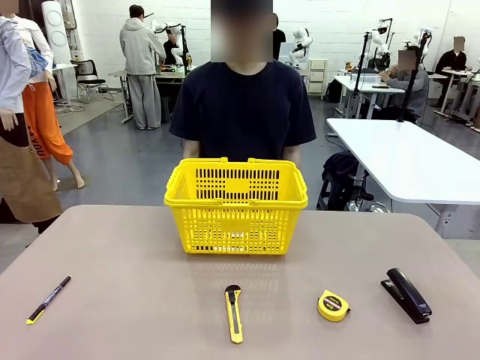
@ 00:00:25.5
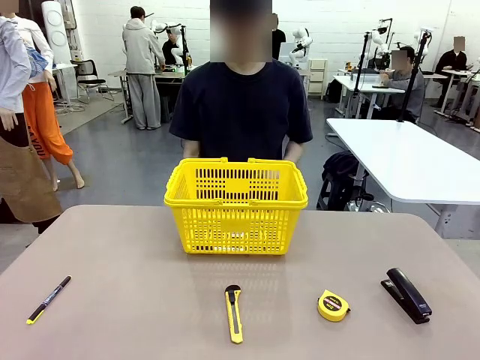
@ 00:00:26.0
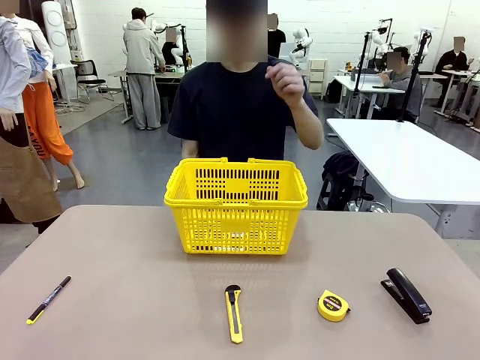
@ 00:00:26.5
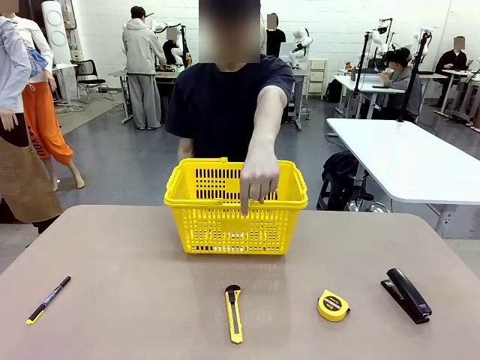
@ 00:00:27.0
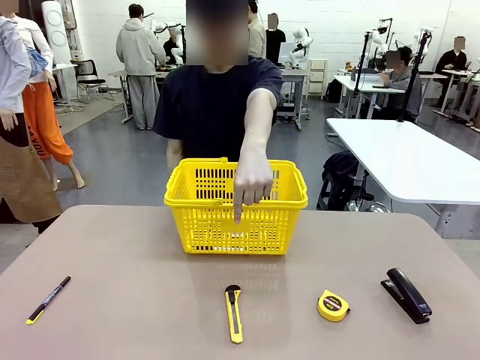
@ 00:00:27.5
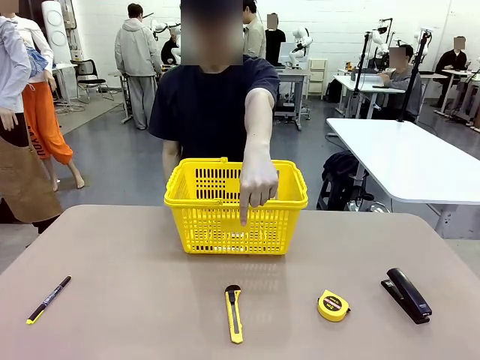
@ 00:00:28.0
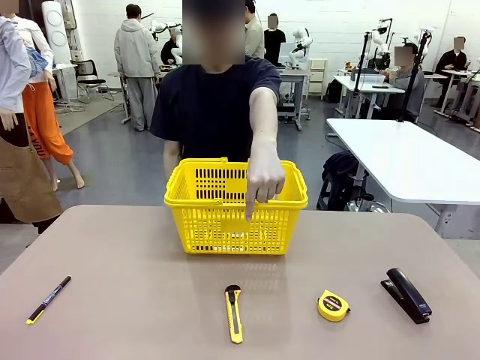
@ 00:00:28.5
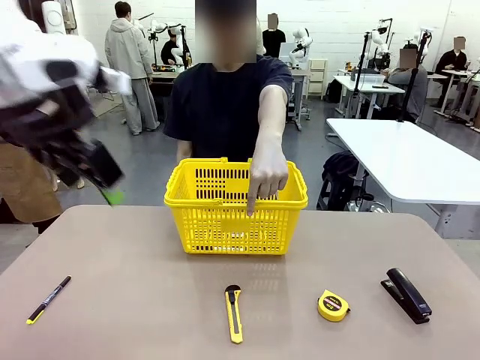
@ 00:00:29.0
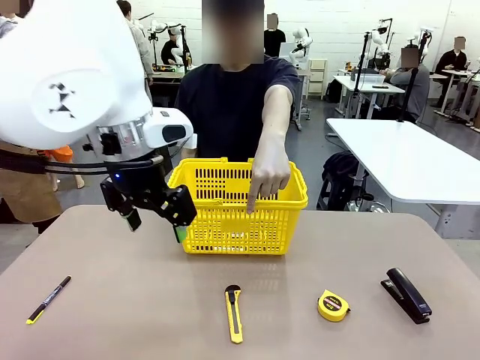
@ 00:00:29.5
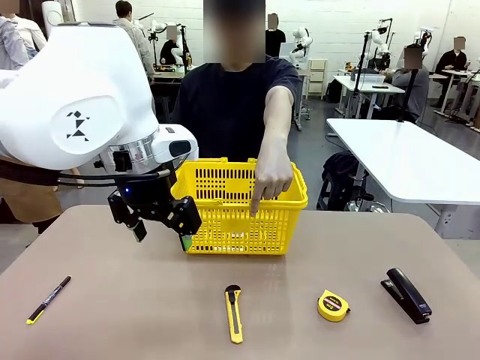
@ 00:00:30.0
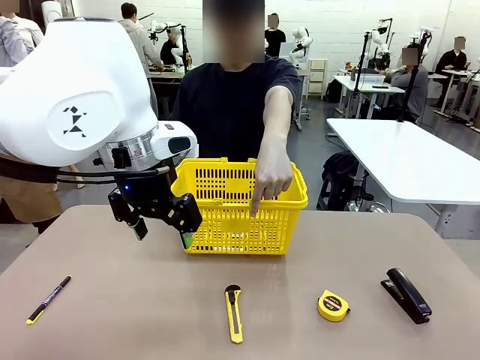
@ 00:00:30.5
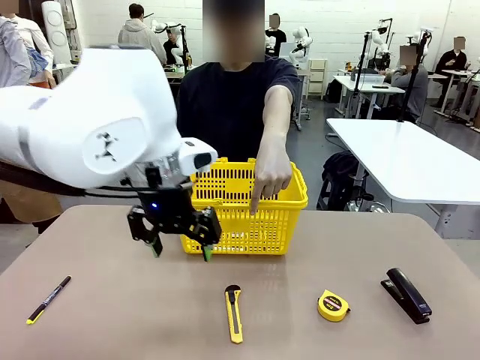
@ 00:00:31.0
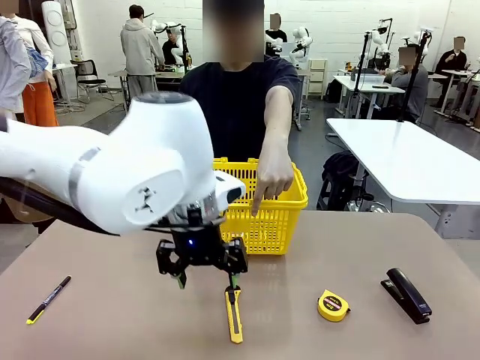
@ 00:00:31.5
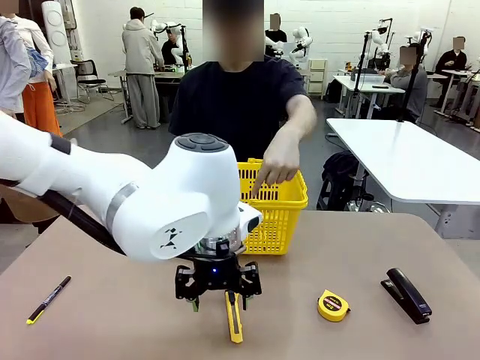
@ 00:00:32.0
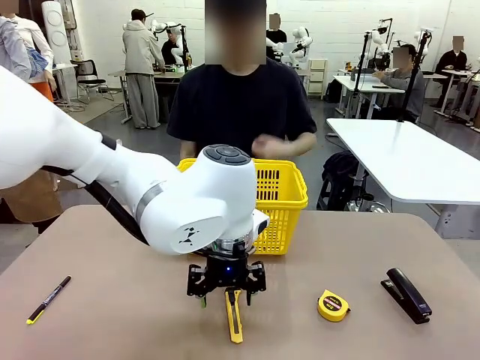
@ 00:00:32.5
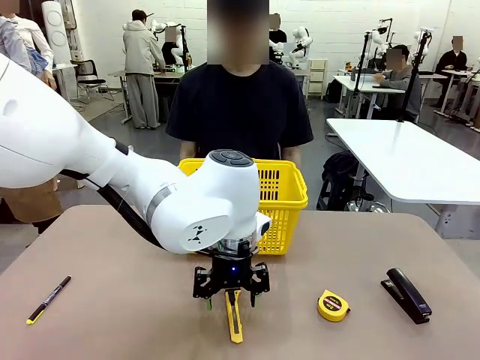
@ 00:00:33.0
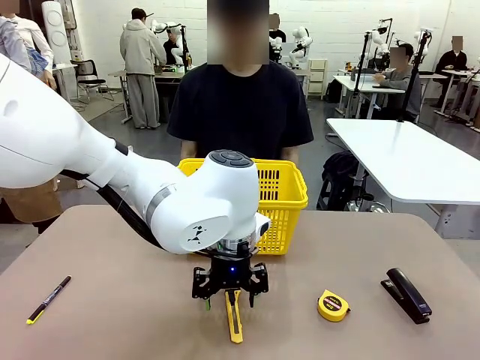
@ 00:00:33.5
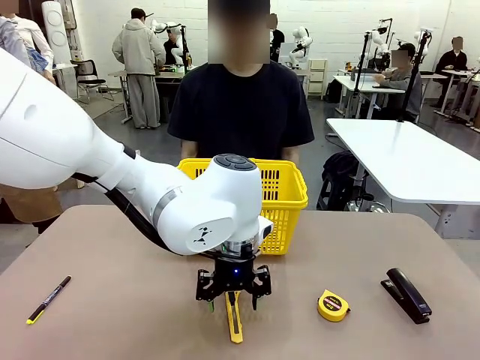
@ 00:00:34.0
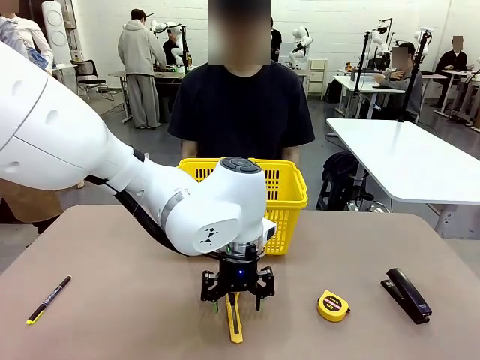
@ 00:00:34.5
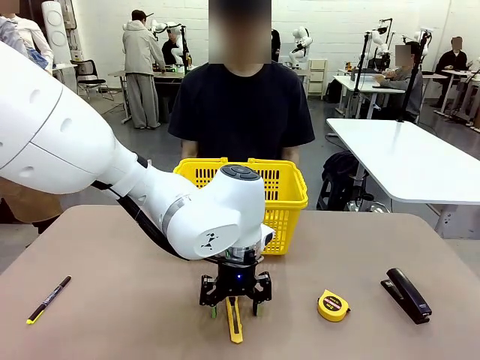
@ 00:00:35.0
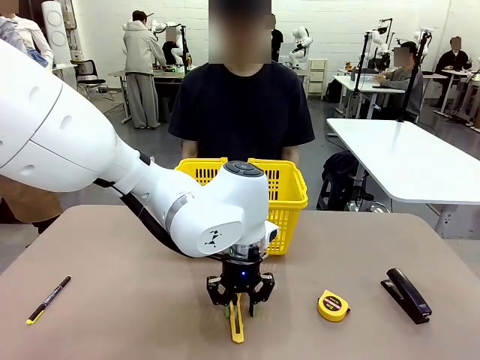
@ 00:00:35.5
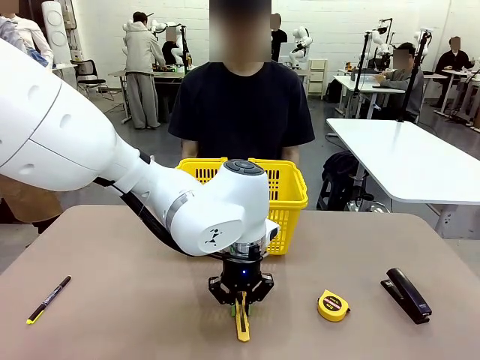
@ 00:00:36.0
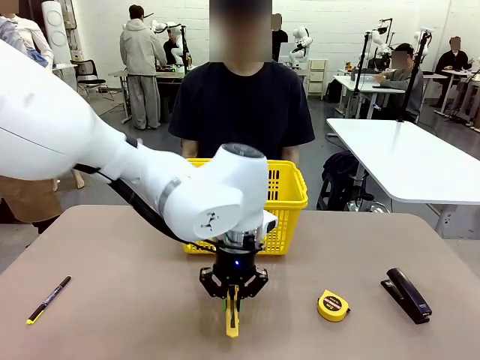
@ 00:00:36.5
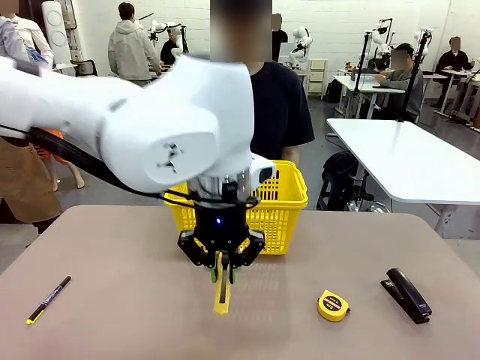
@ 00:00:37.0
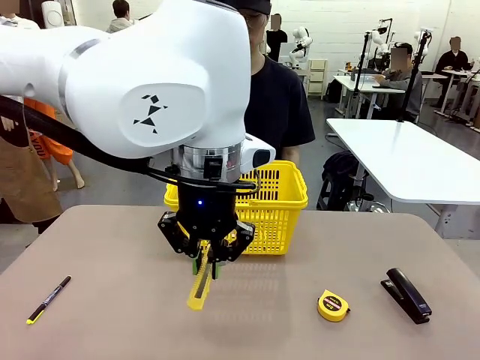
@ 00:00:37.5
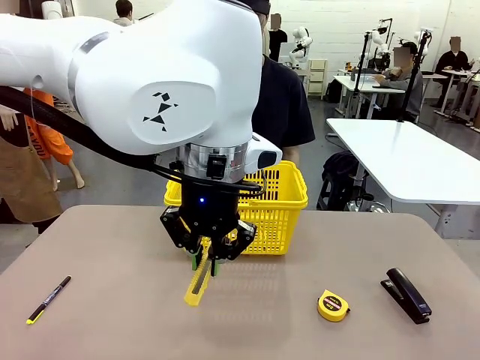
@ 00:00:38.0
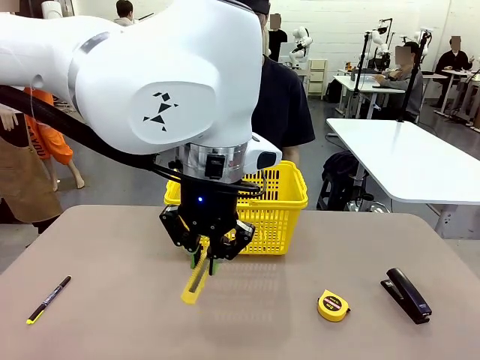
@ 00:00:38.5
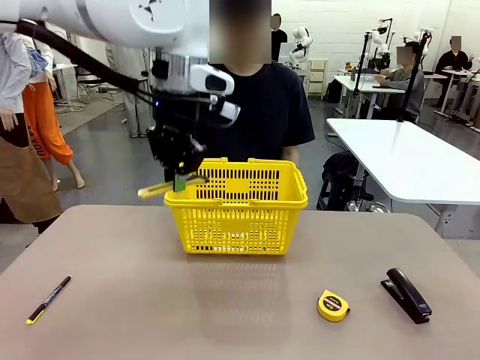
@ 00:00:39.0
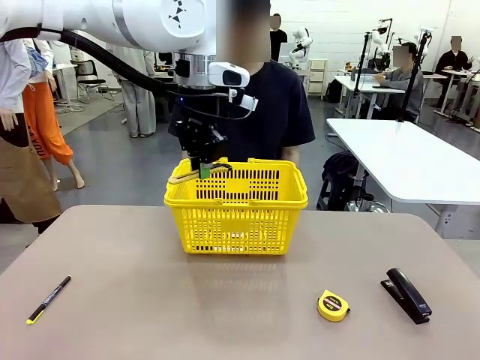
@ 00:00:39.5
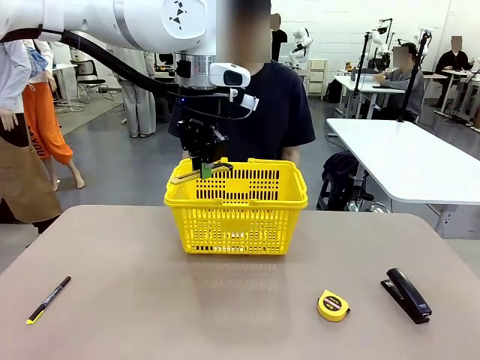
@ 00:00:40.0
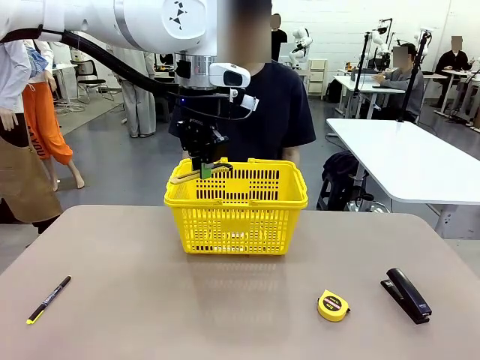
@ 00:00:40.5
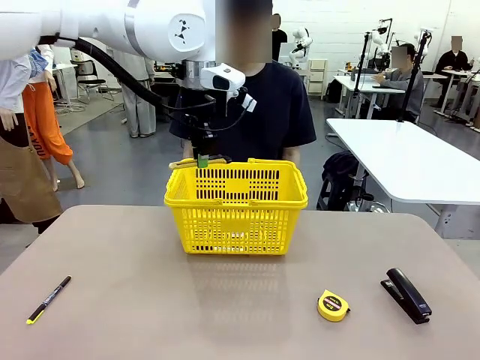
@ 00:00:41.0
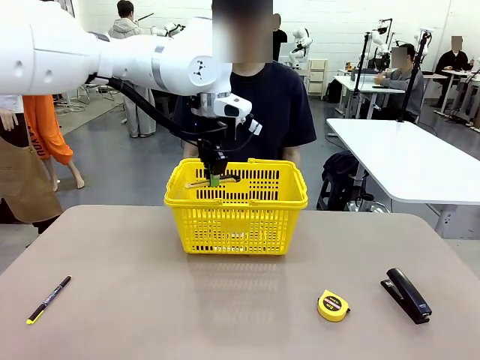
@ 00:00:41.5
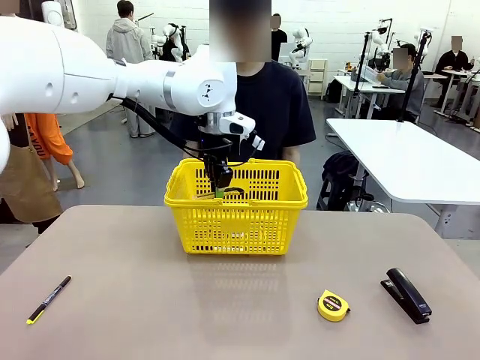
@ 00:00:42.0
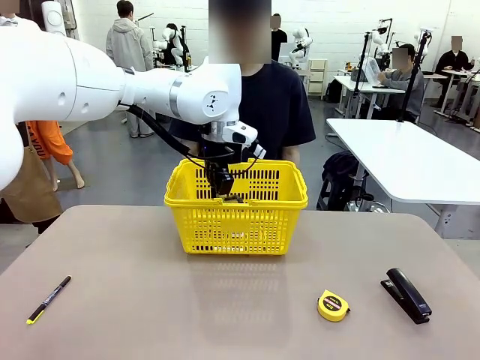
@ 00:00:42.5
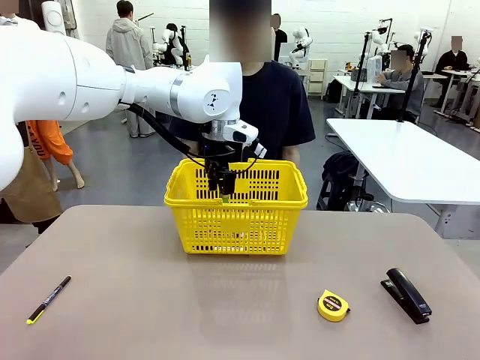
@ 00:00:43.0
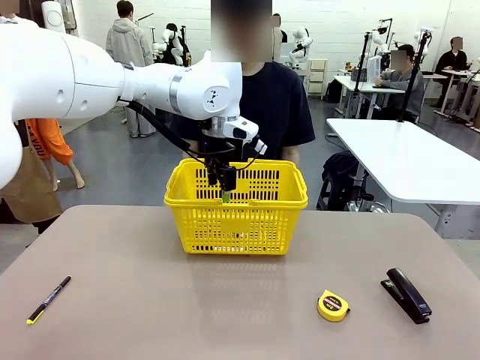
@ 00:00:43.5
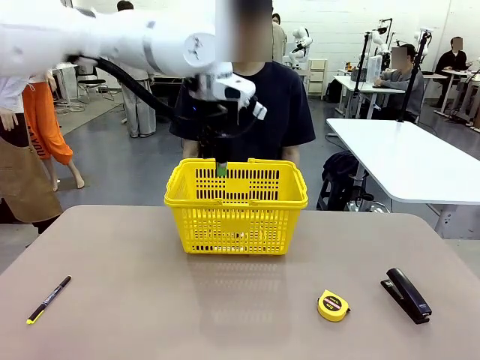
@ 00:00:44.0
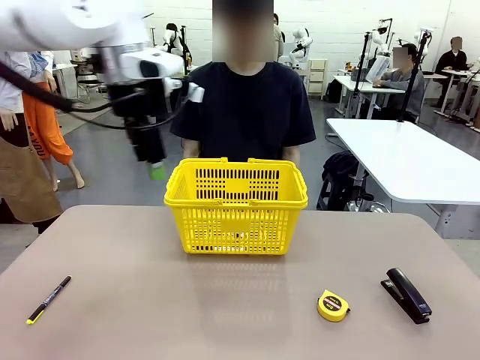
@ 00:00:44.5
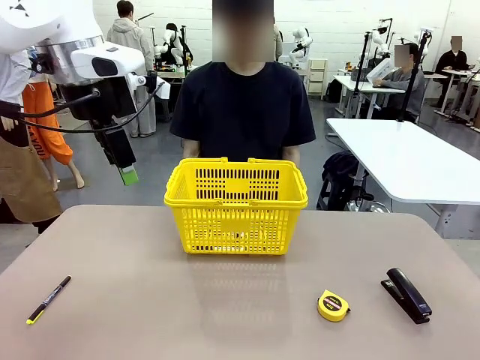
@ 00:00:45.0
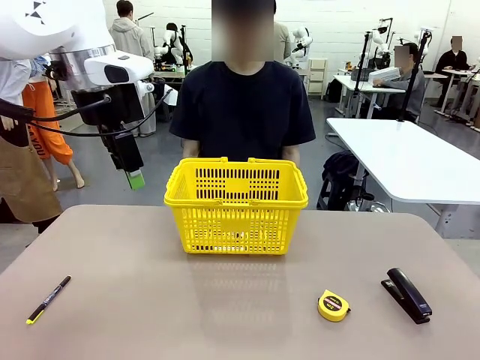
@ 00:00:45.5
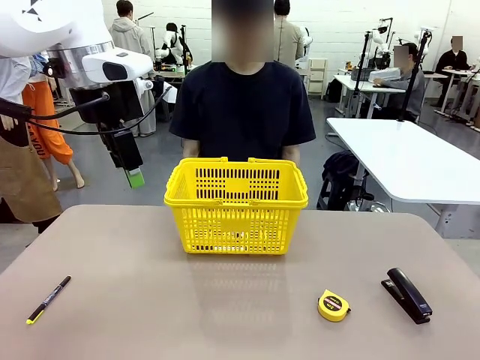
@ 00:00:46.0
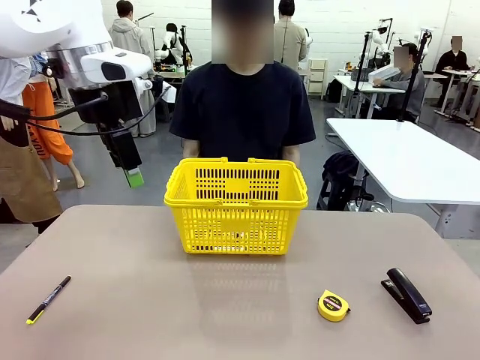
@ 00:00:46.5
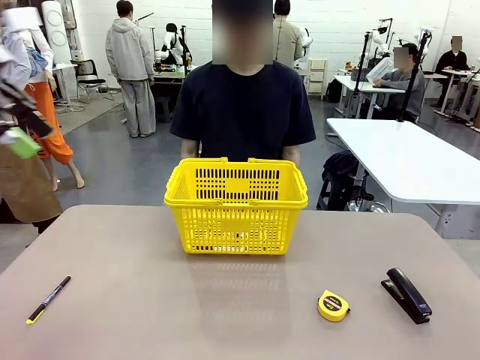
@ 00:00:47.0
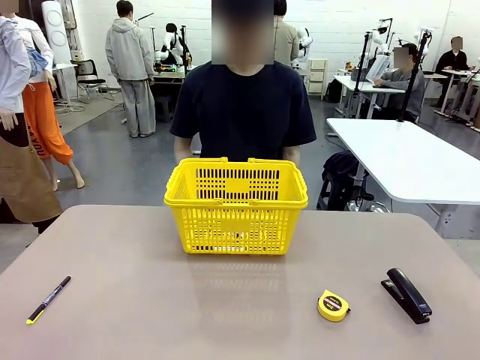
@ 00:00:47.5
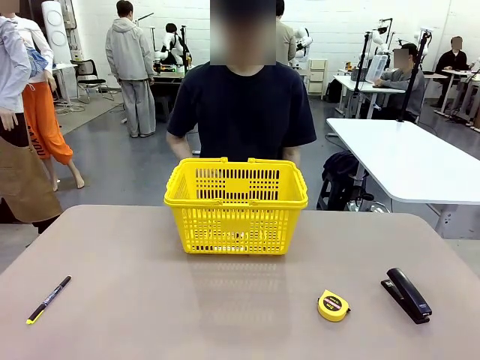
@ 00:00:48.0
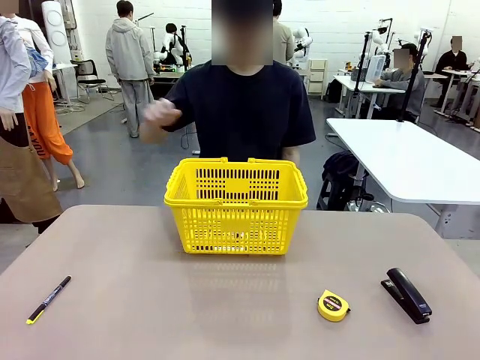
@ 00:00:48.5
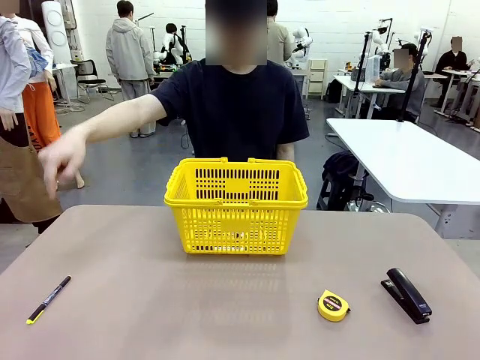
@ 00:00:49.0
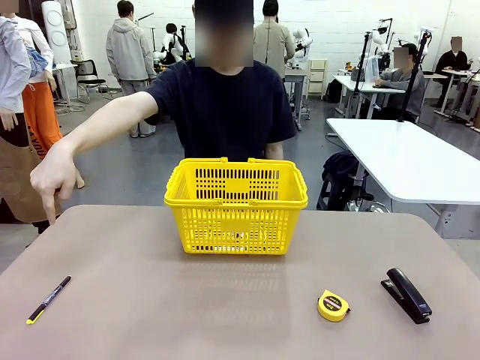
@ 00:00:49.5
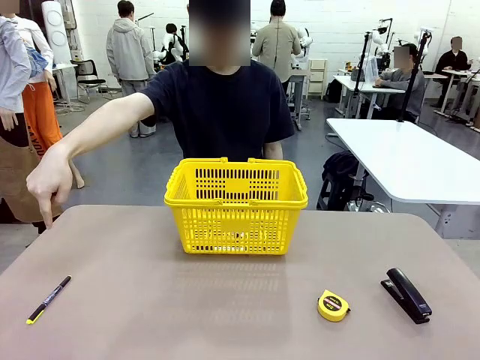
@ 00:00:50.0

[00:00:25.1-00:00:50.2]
Task: Place the items the person wants into the basket.
Robot: Pick up the item the person points to and place it in the Market Basket.
